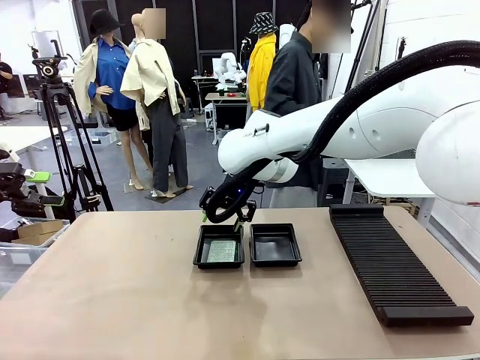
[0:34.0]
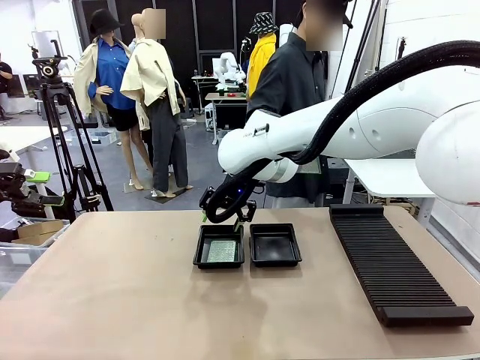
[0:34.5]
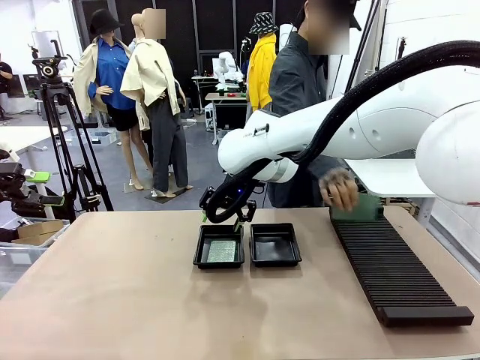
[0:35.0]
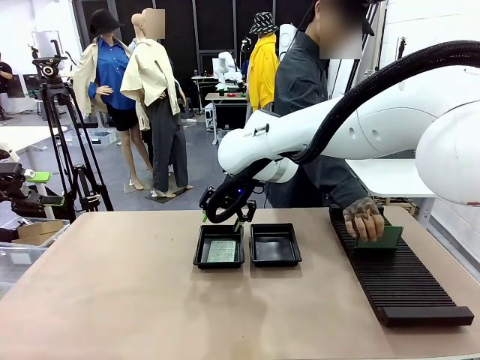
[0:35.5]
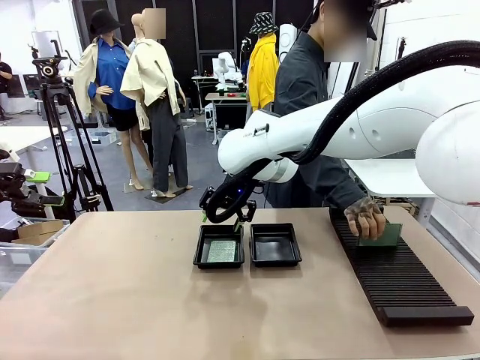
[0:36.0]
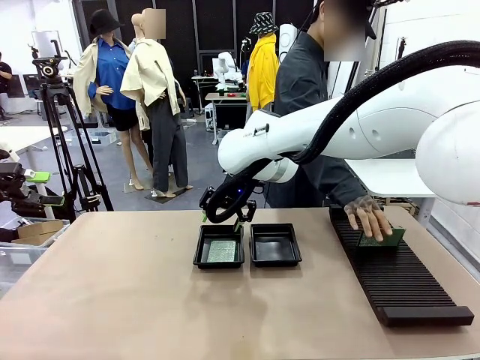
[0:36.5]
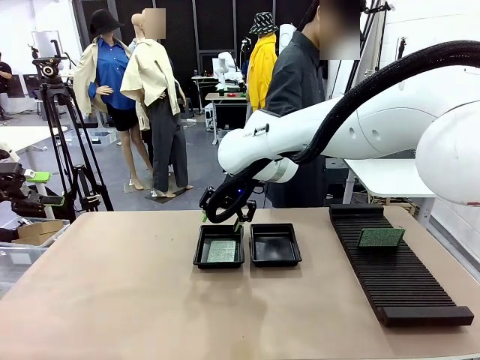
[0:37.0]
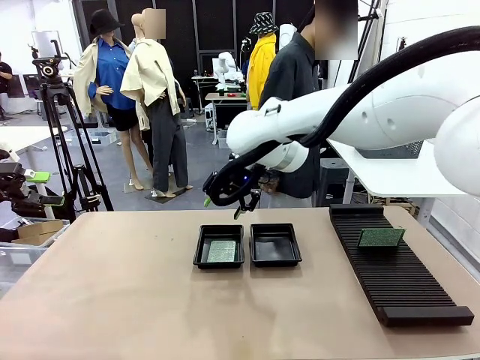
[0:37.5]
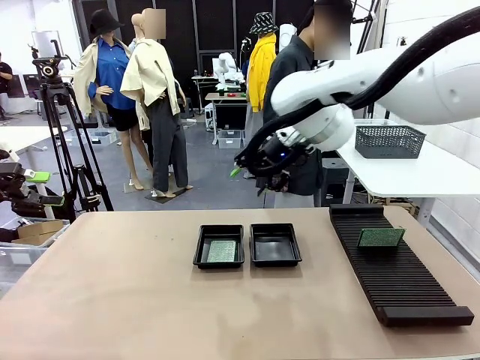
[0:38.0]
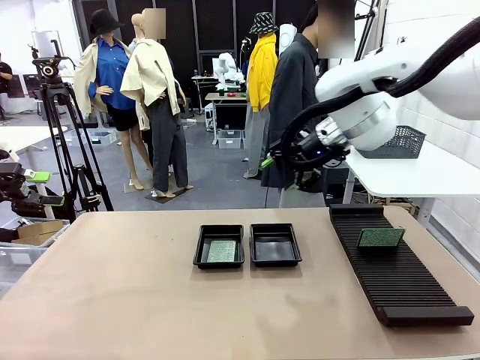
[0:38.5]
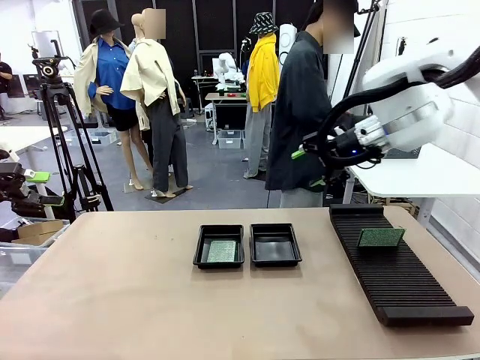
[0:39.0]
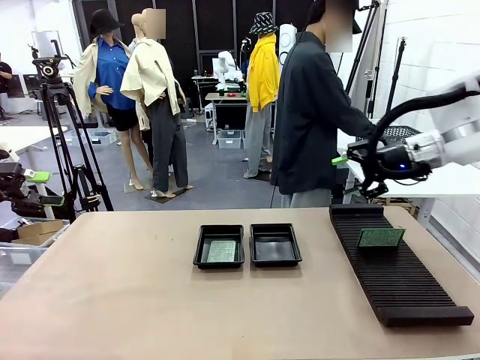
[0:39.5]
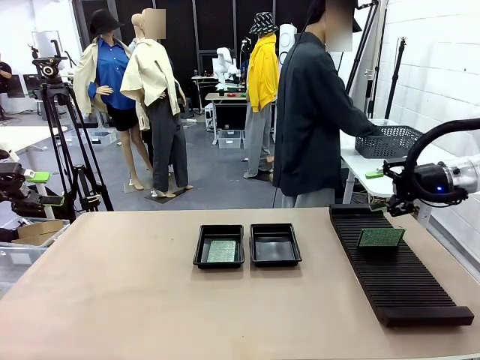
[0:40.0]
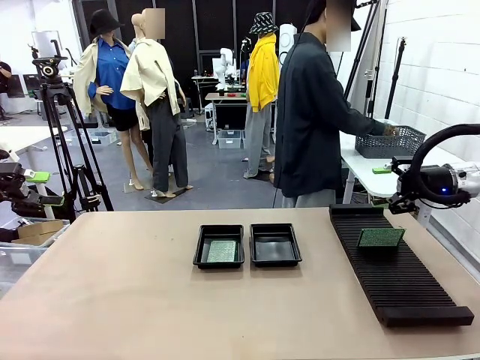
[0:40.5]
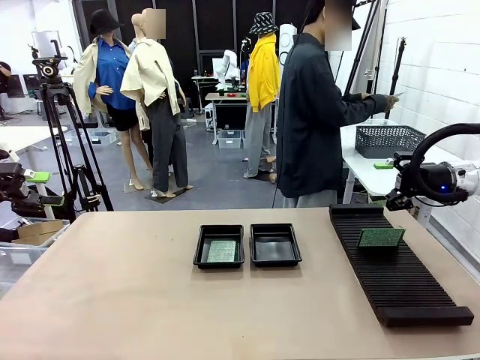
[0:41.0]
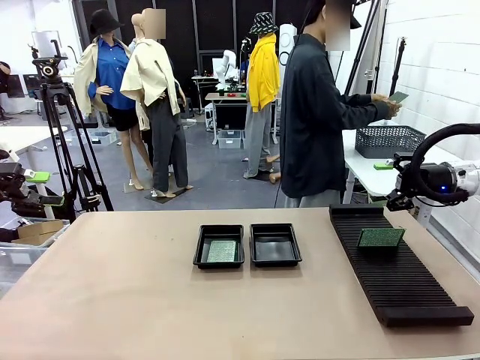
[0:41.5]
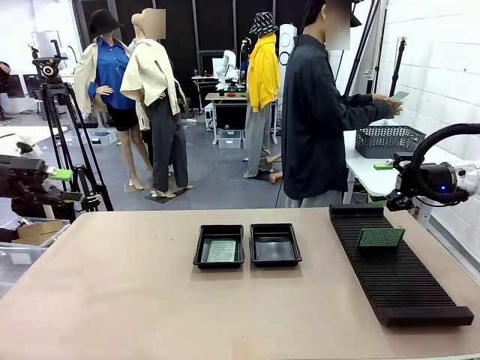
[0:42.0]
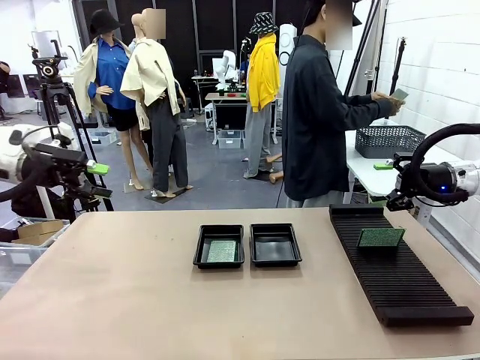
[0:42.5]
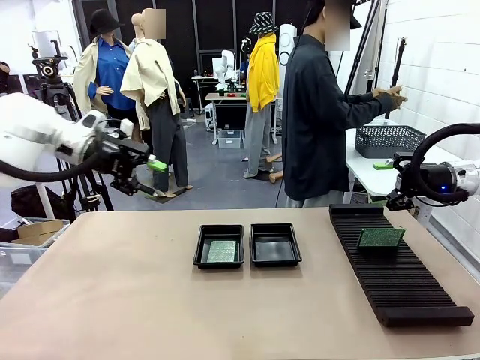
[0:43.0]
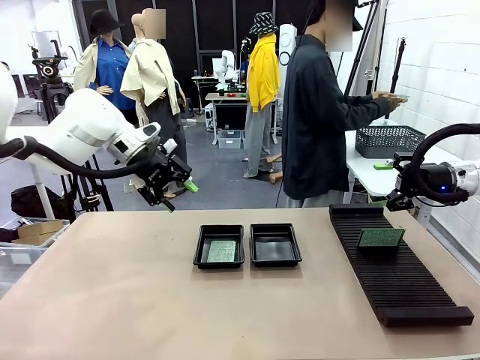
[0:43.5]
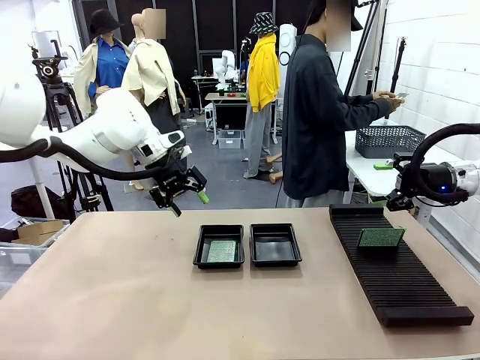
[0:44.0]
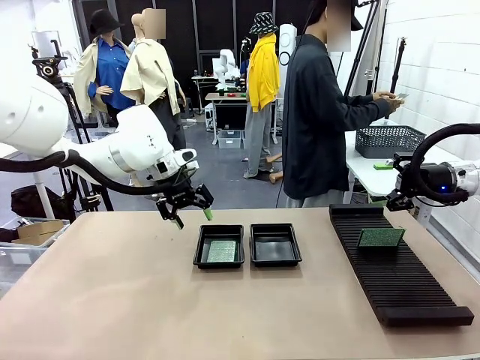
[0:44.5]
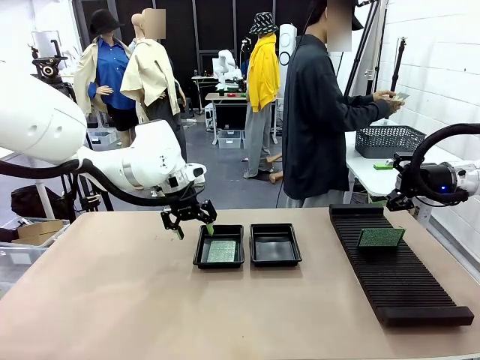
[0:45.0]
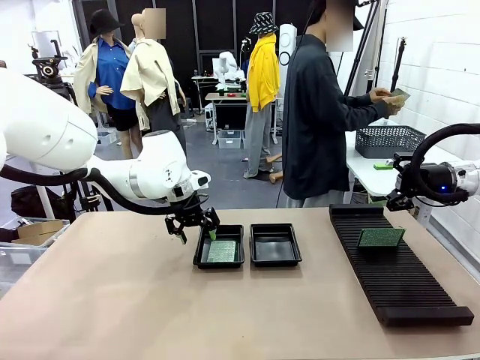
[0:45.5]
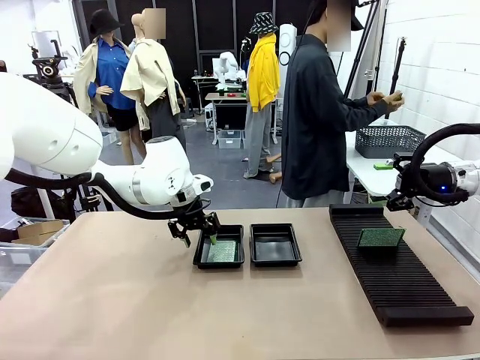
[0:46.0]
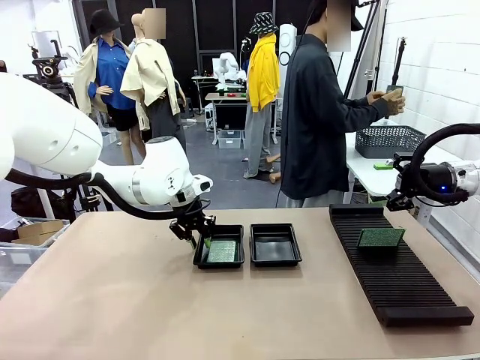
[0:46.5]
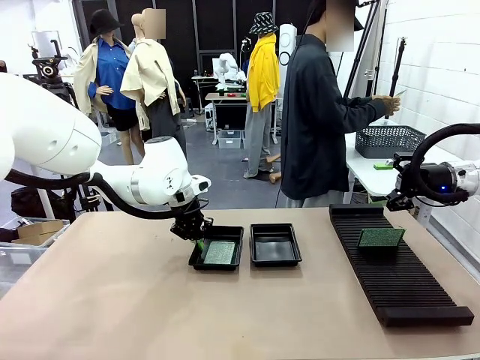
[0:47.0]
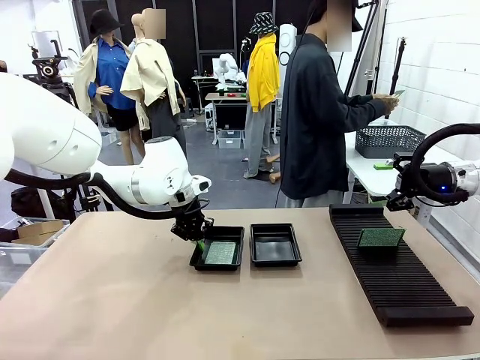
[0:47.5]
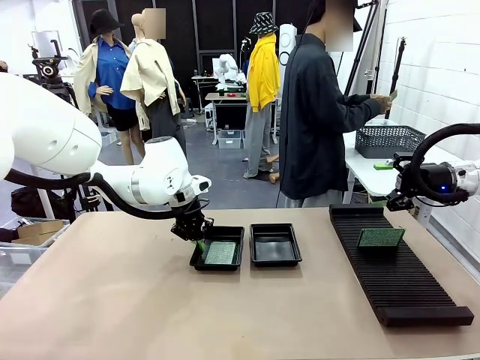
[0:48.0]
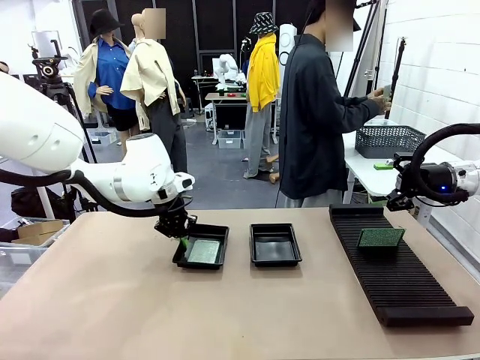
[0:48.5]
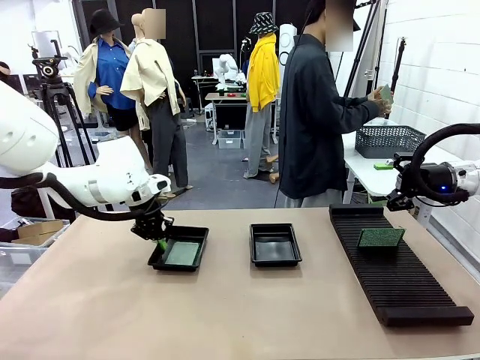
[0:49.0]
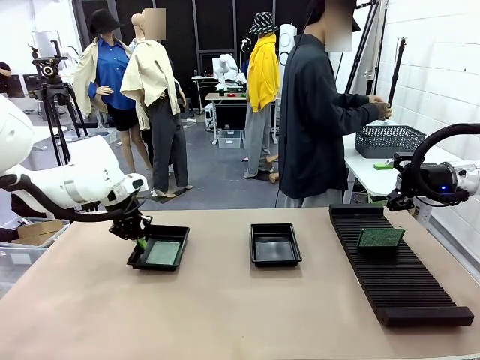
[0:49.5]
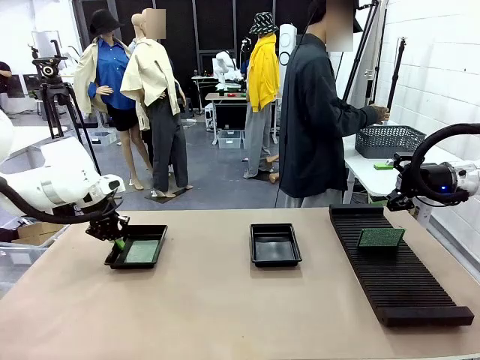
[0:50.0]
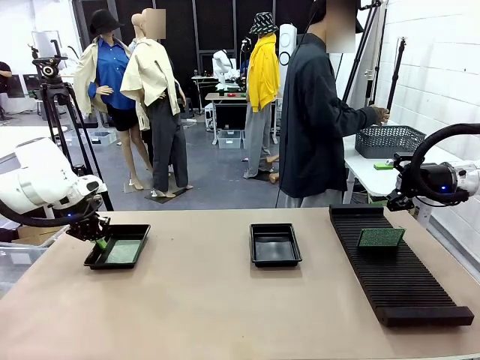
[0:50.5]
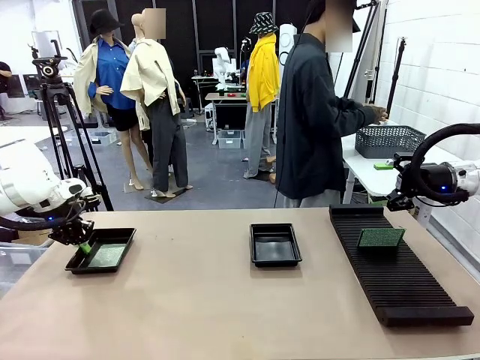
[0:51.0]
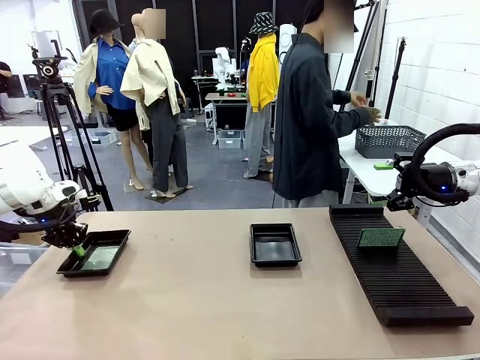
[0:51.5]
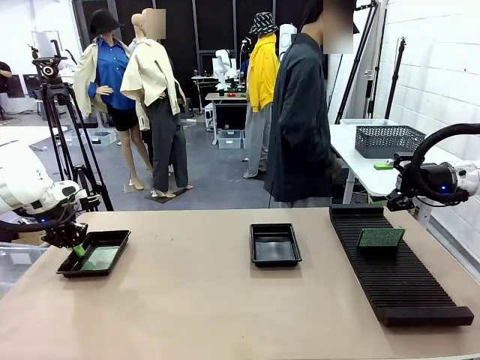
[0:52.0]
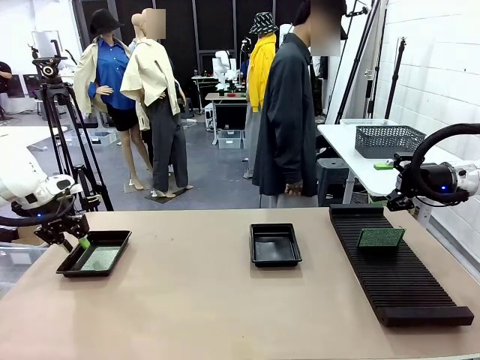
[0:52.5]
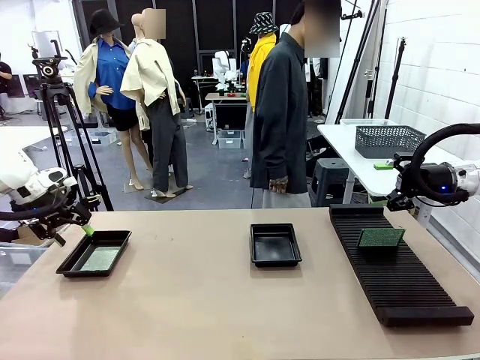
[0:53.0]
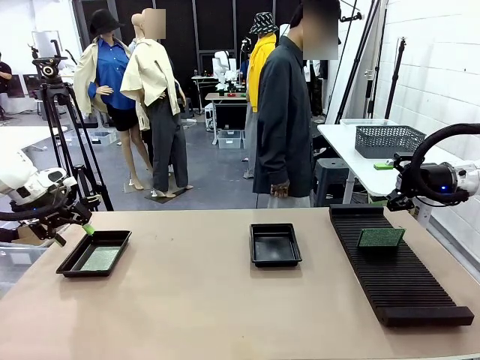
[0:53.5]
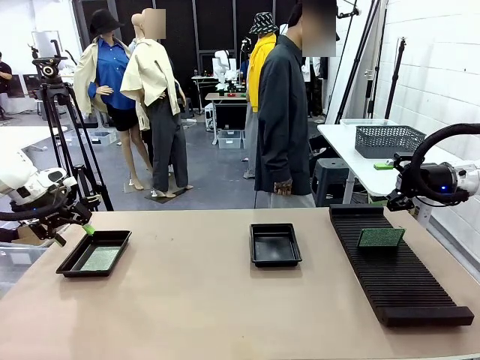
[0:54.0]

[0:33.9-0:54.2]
Task: Inspect and transfer BCBs to ESD trays.
Robot: Pick up the ESD tray and place it on the left side of the table.
